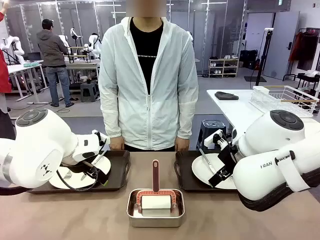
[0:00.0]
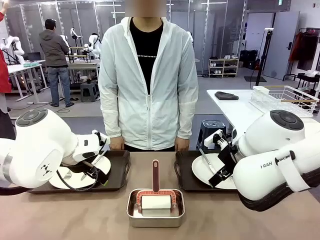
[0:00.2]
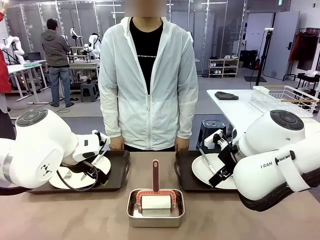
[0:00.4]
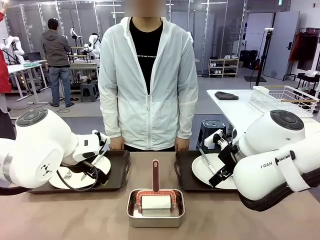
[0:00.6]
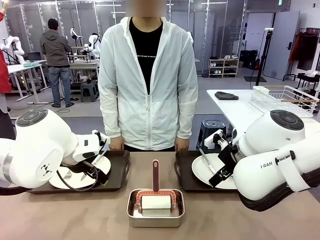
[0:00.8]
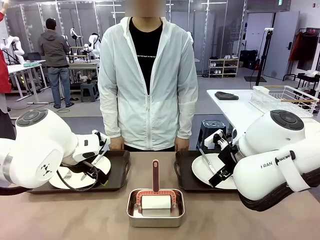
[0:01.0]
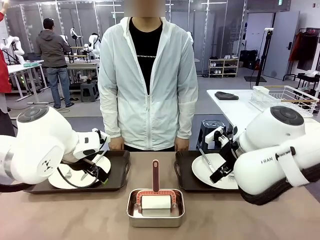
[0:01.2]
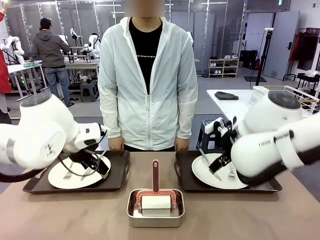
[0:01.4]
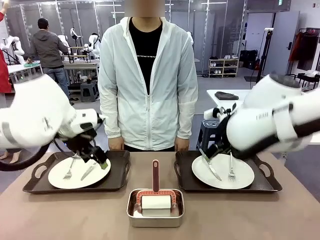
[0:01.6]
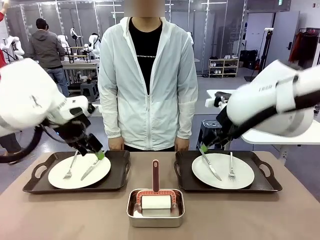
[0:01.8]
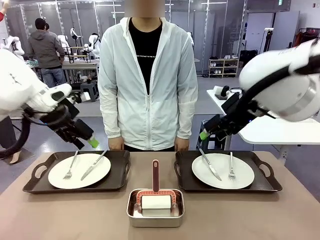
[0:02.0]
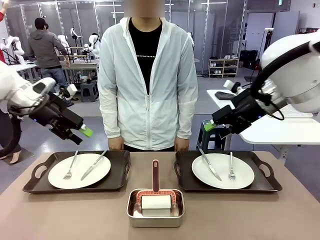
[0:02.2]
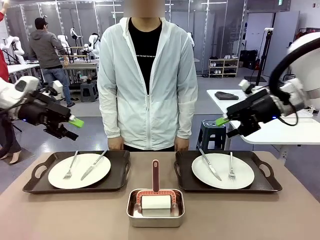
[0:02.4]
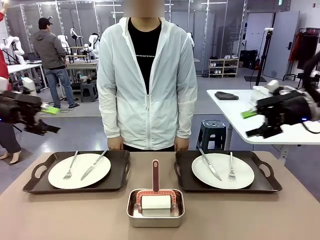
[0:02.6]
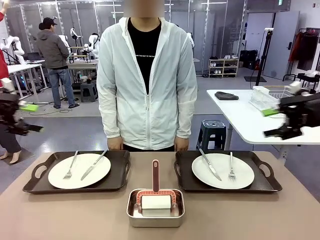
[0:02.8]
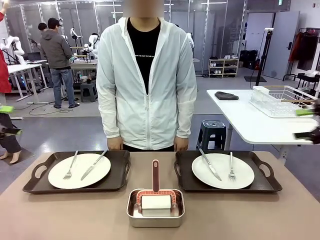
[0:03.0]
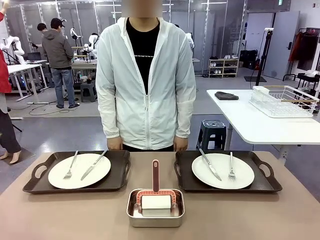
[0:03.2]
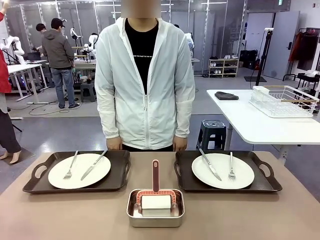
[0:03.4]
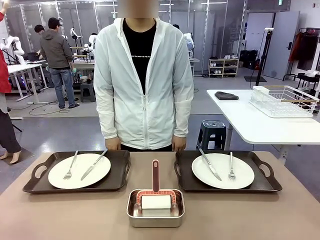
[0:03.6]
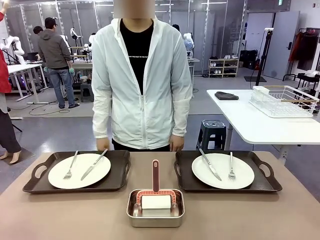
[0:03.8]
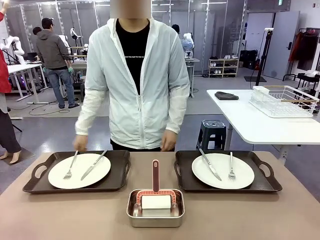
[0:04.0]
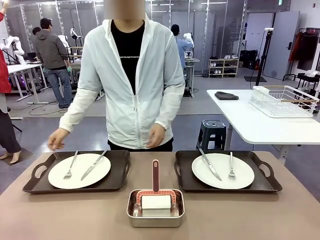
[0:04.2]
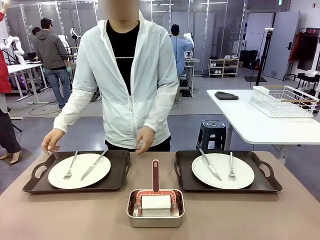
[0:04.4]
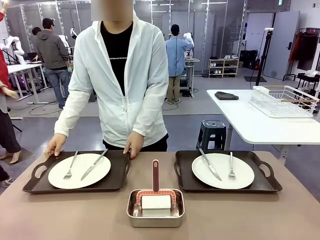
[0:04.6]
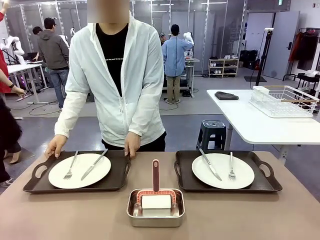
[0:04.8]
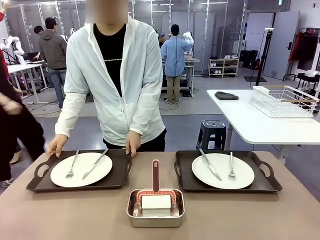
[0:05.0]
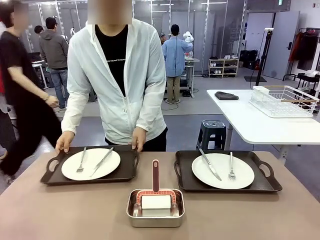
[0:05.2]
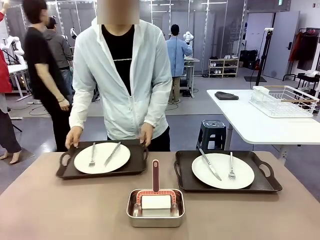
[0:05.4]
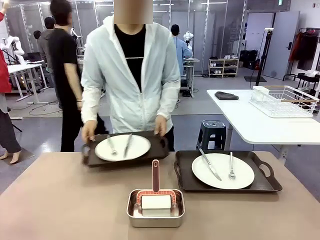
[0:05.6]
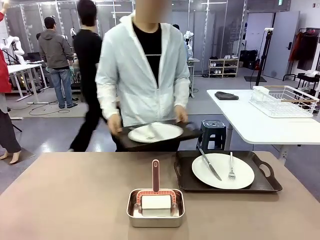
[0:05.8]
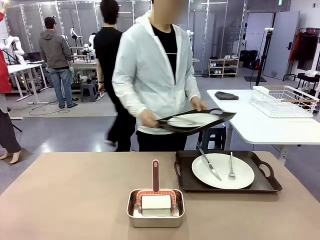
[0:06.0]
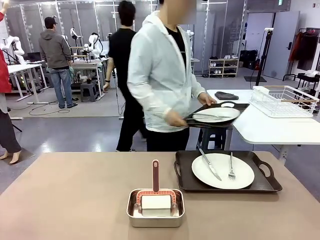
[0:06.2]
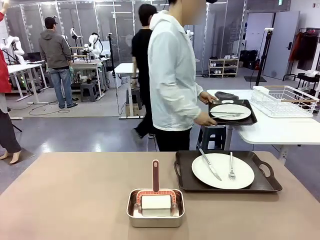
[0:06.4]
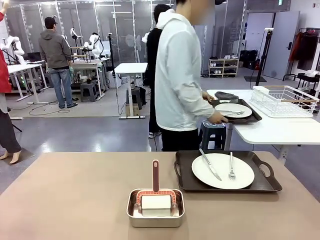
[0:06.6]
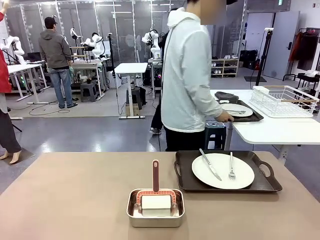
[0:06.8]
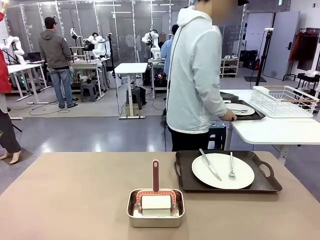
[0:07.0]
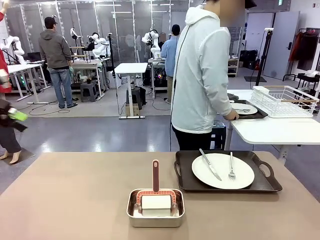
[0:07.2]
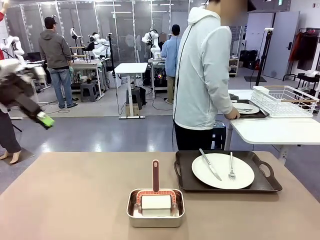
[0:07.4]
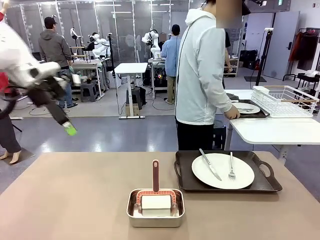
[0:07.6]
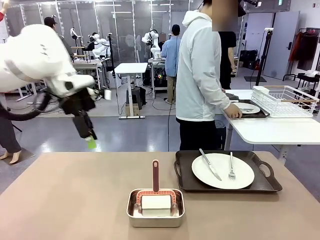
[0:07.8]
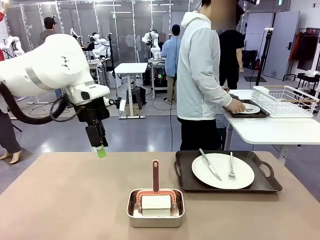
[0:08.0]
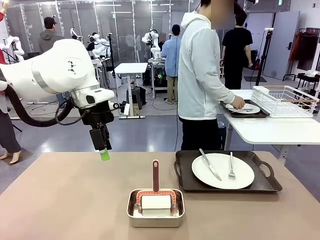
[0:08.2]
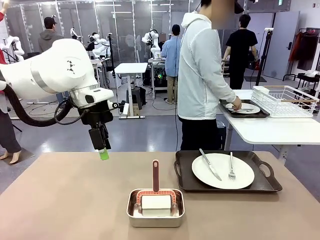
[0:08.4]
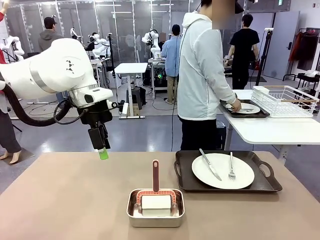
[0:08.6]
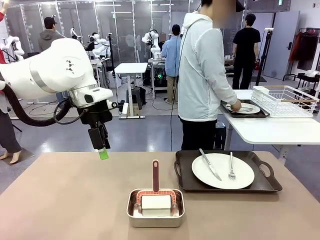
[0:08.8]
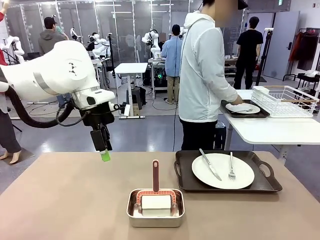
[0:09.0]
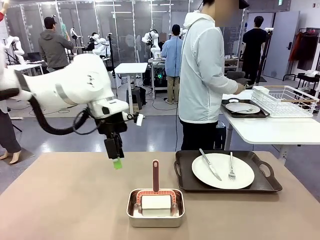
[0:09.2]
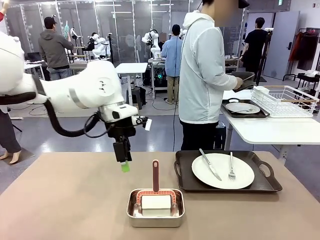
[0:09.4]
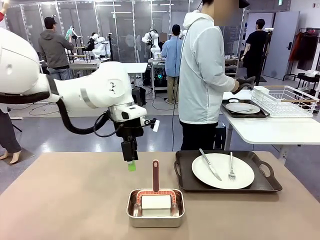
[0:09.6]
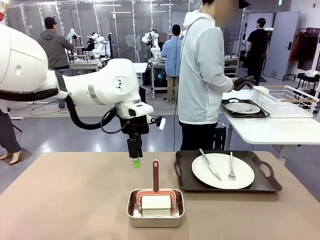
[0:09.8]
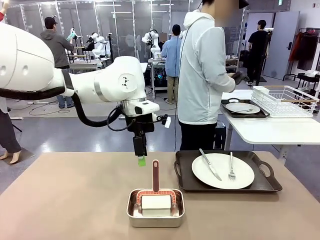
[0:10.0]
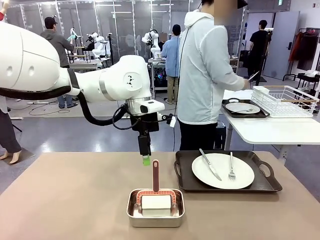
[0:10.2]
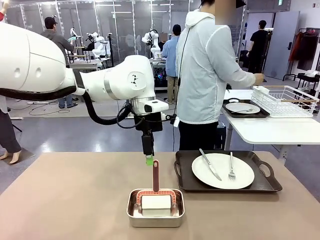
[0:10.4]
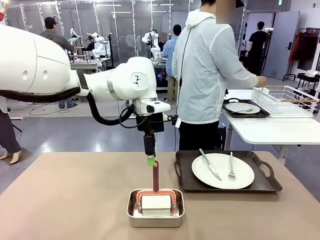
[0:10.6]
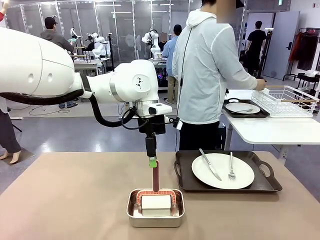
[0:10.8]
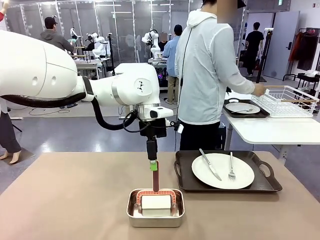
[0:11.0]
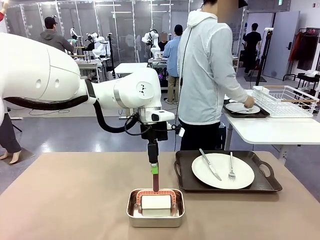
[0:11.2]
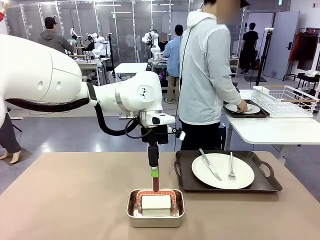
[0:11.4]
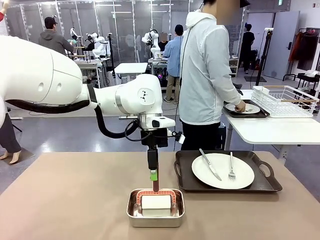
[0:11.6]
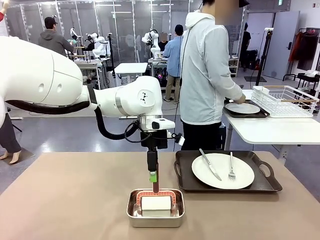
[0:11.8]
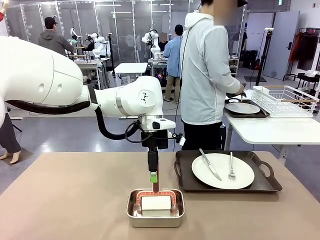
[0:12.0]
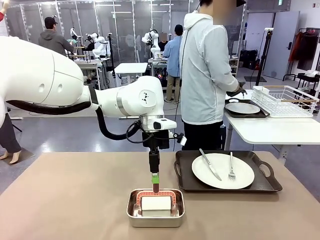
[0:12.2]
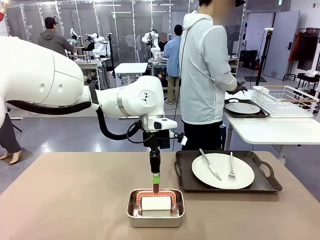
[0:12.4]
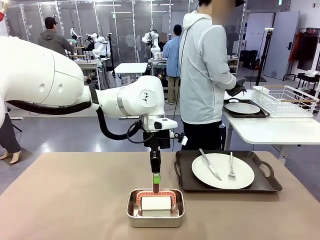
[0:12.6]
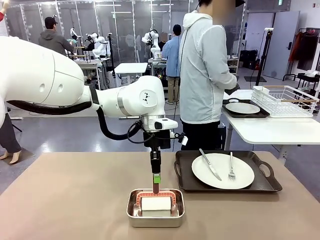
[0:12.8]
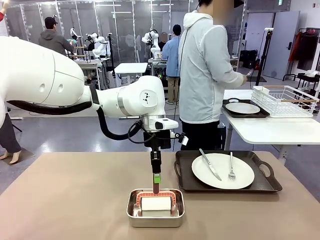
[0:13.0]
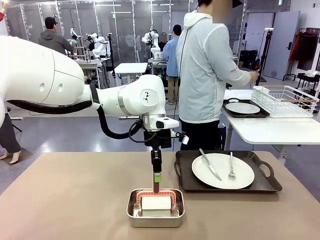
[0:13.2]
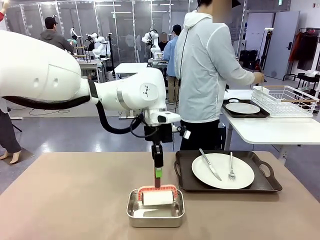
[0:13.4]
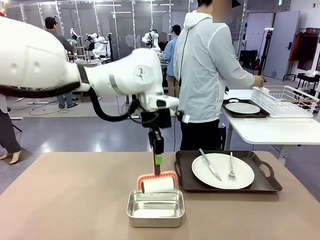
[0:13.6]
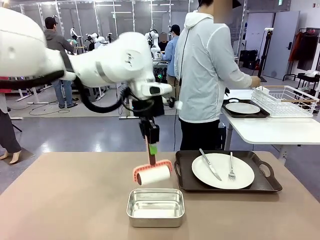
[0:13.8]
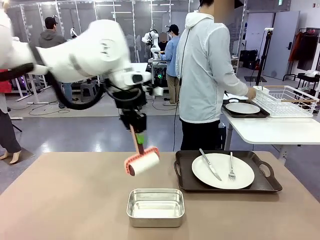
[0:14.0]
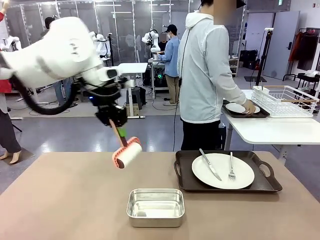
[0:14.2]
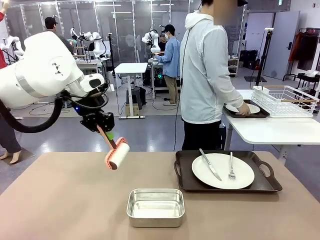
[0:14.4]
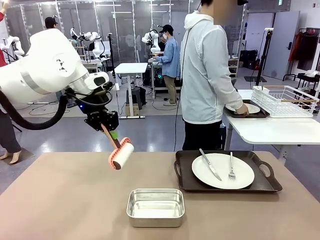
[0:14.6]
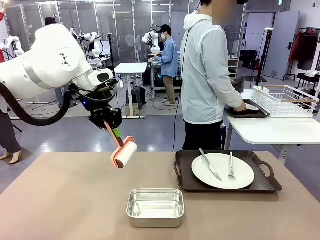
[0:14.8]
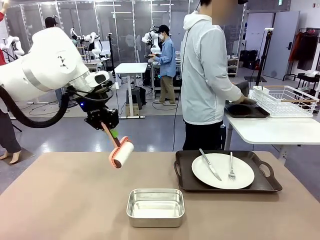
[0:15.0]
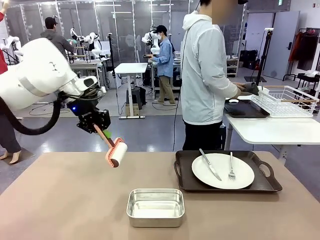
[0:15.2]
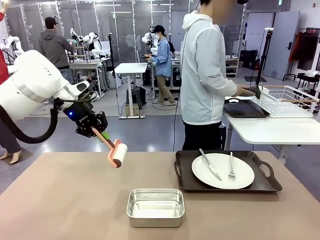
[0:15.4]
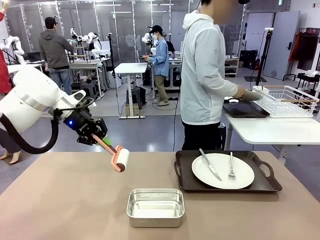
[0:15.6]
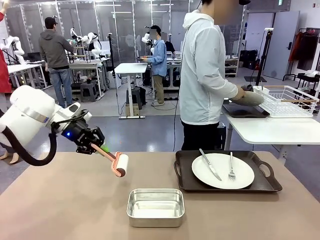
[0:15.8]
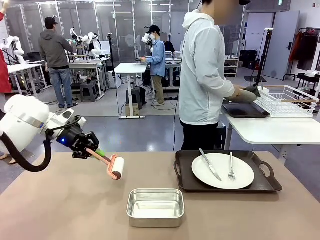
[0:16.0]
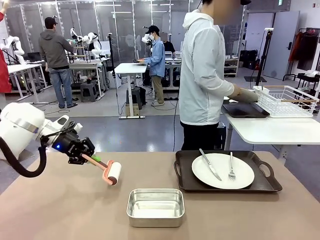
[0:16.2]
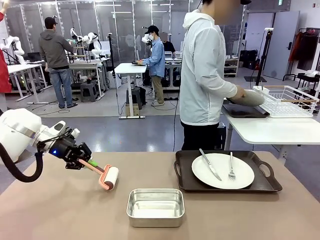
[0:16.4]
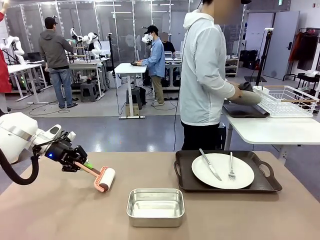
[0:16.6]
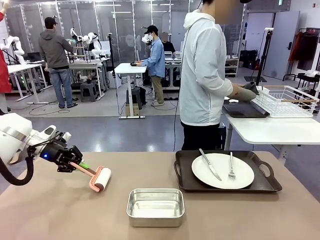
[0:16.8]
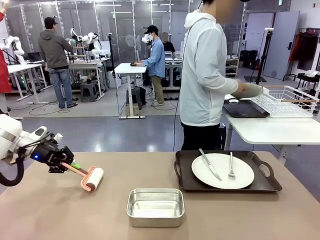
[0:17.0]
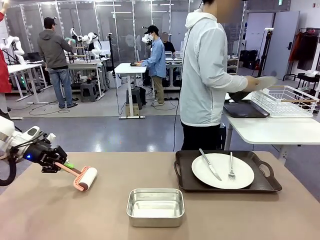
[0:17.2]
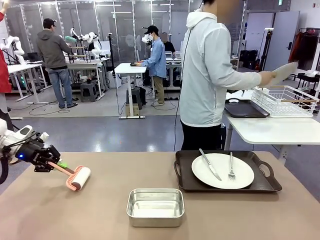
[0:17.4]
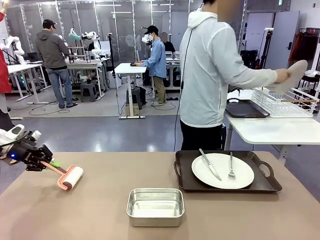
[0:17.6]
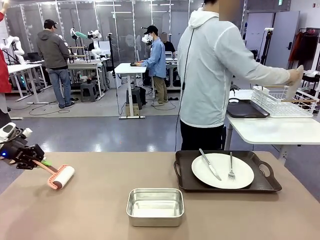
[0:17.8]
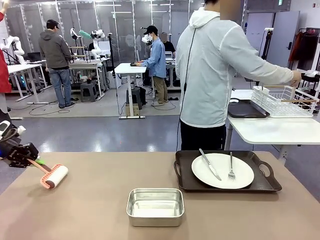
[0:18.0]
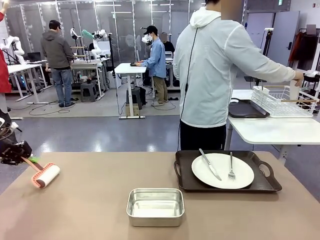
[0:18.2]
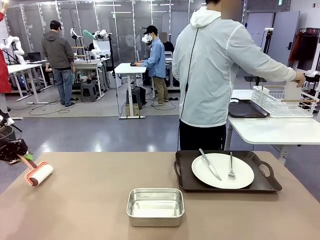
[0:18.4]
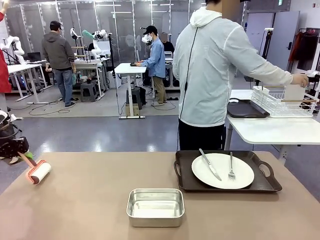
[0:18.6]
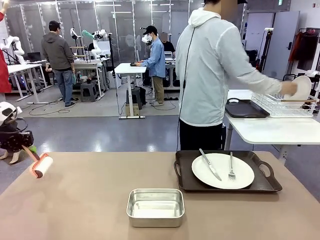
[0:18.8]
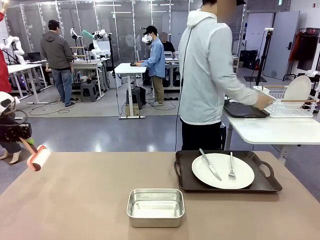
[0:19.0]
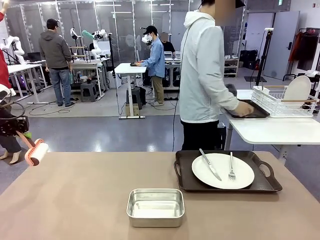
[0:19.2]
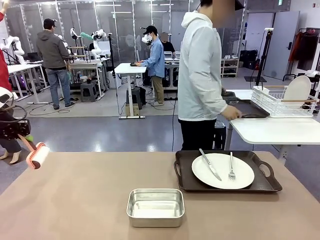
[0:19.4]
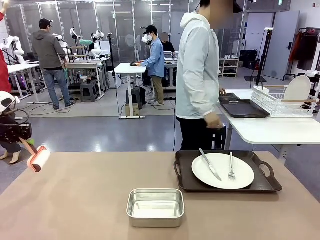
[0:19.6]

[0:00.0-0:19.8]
Robot: When the left (or right) Handle tray is removed, use the left hand (or right hand) to clean the left (or right) side of the table with the Lint Roller.
Person: Pick up the left (or right) Handle tray and place it on the middle of the Human's table. Use the Towel with hook to wipe the Plastic Matte Plate , Fork , and Knife and place into the Dish drying rack.
